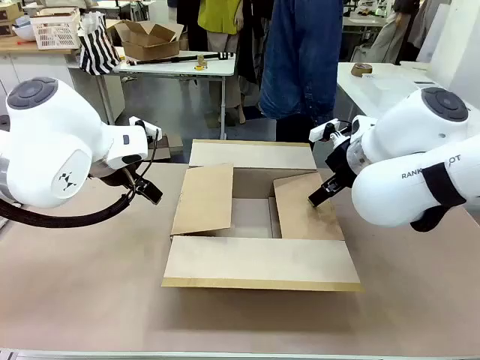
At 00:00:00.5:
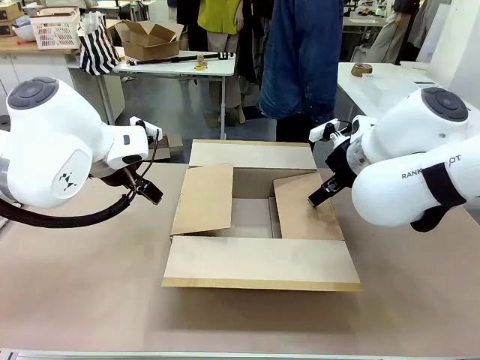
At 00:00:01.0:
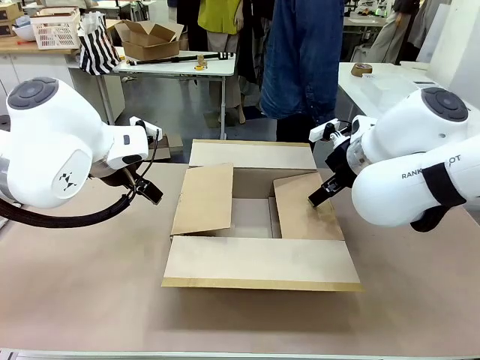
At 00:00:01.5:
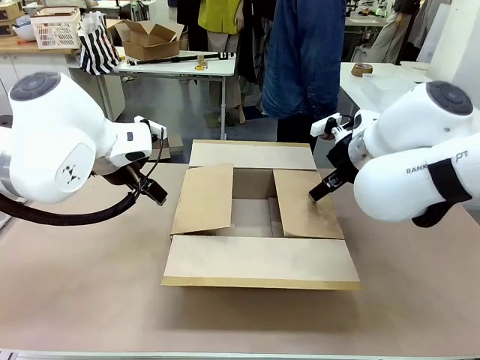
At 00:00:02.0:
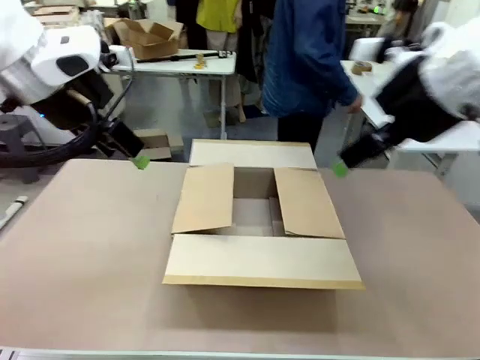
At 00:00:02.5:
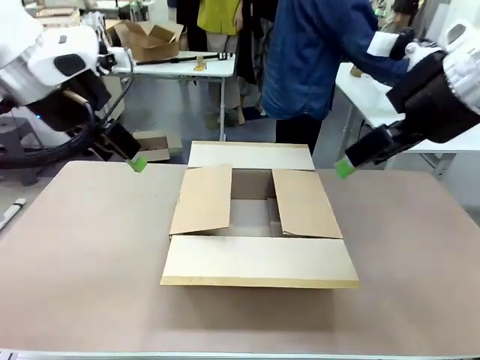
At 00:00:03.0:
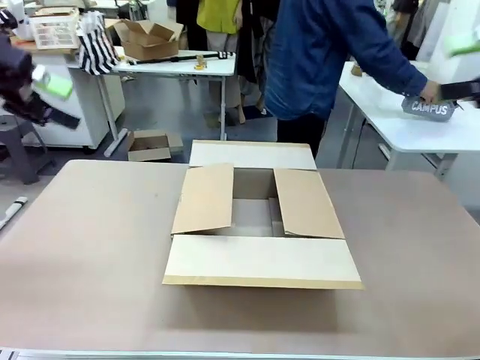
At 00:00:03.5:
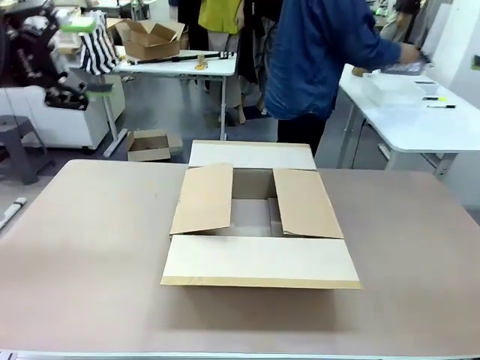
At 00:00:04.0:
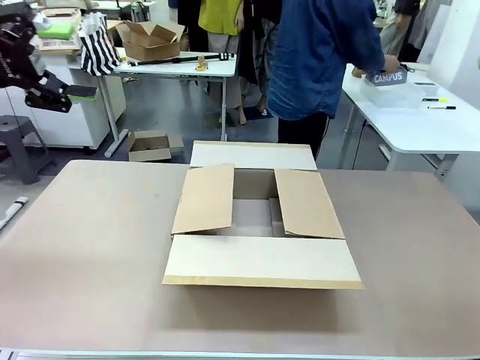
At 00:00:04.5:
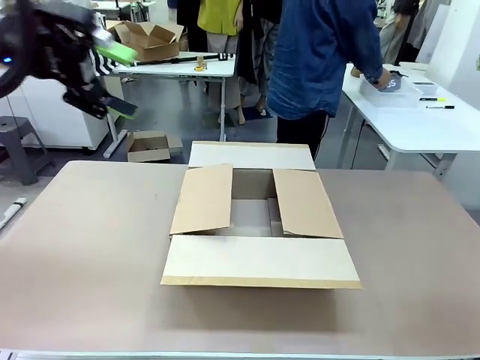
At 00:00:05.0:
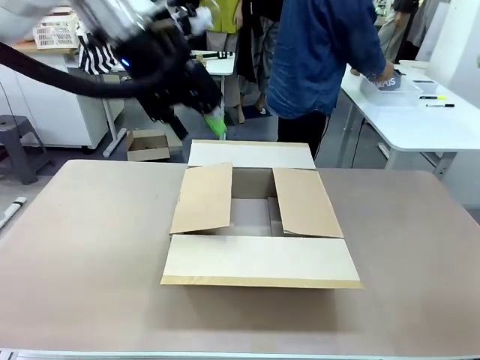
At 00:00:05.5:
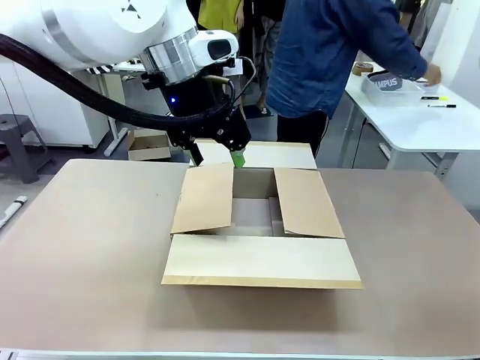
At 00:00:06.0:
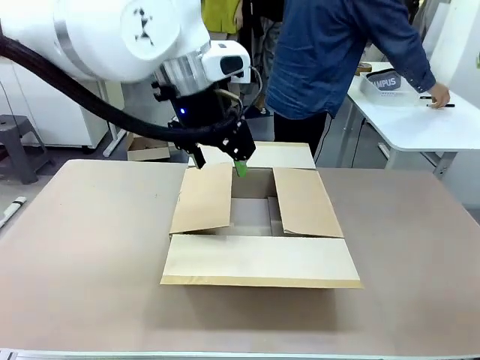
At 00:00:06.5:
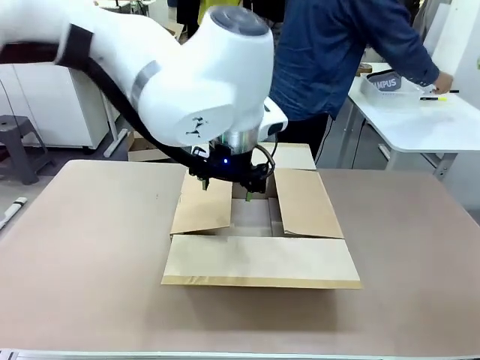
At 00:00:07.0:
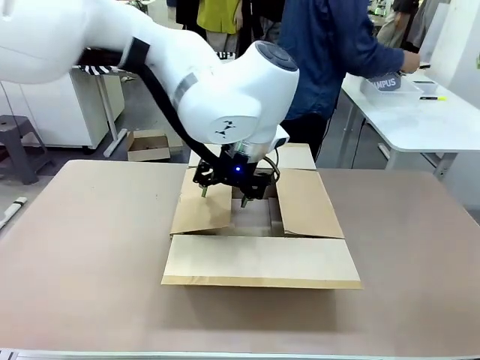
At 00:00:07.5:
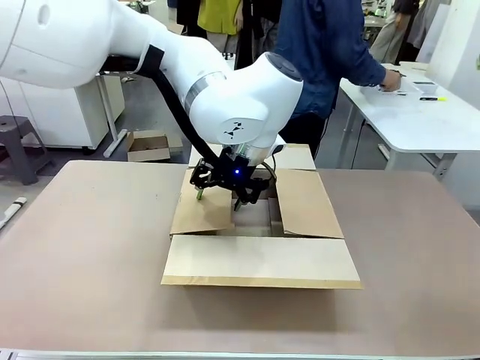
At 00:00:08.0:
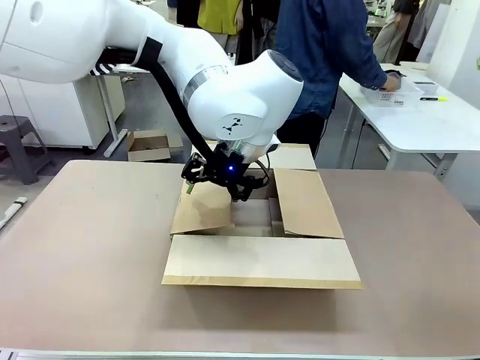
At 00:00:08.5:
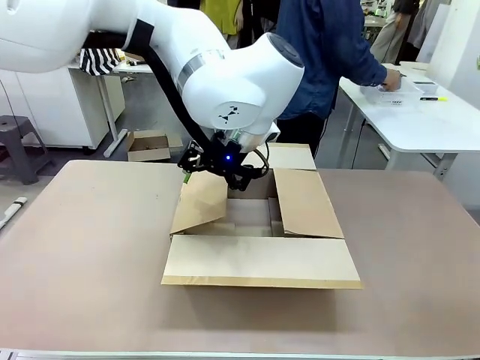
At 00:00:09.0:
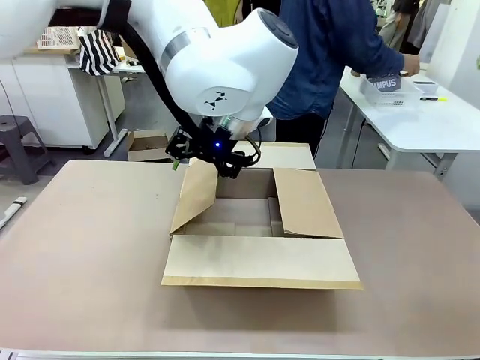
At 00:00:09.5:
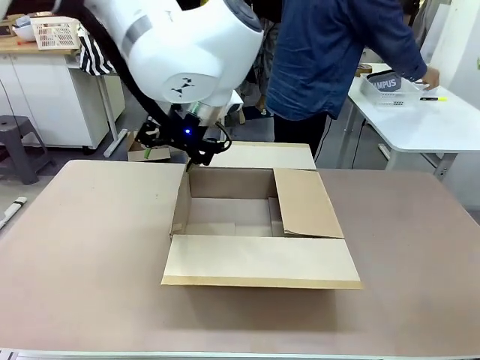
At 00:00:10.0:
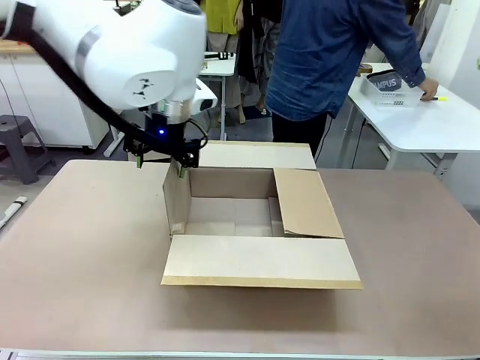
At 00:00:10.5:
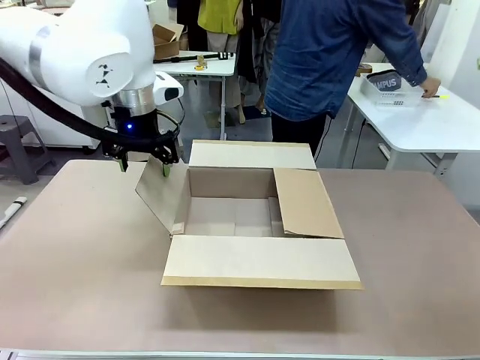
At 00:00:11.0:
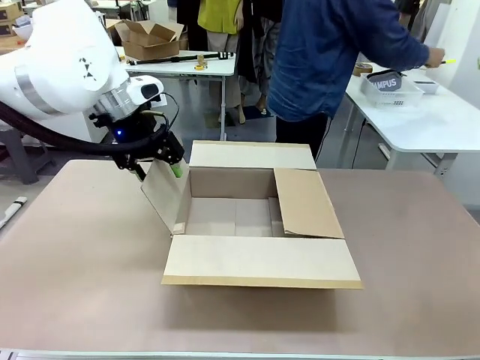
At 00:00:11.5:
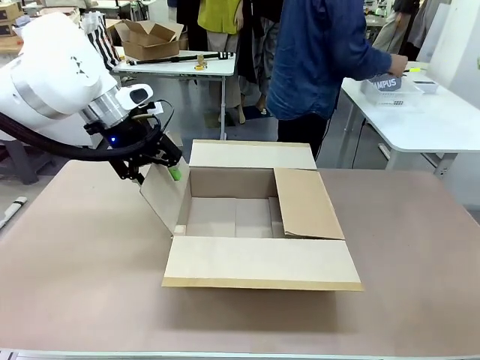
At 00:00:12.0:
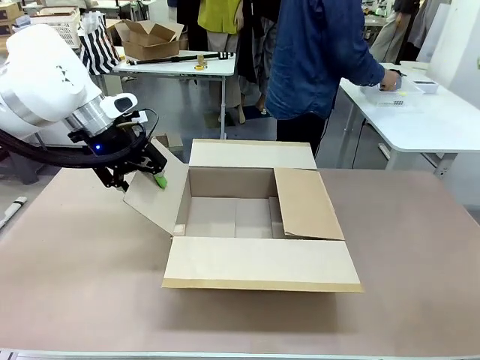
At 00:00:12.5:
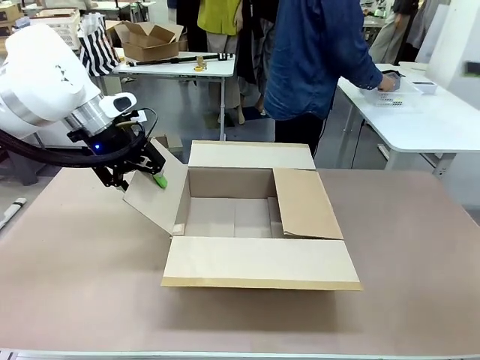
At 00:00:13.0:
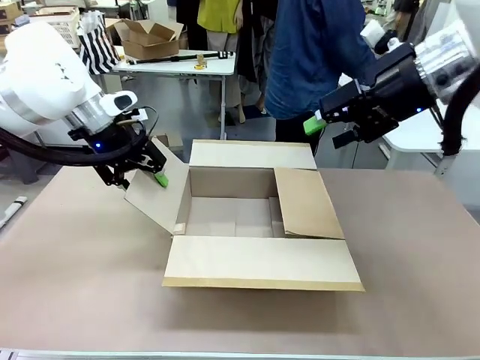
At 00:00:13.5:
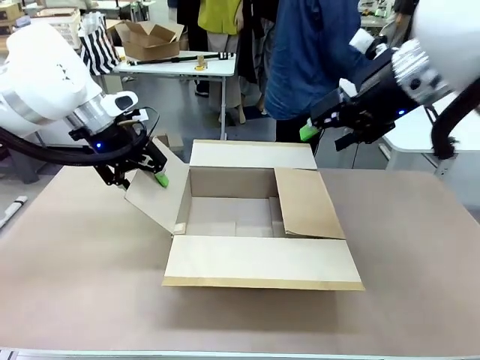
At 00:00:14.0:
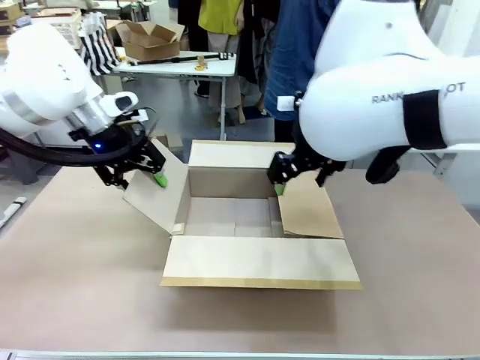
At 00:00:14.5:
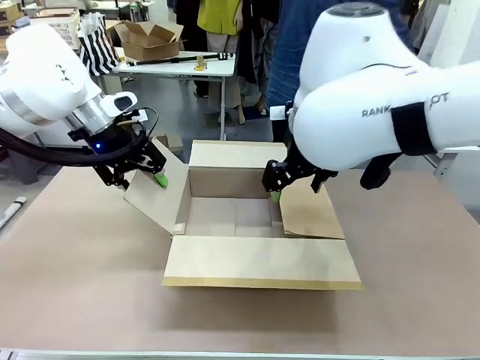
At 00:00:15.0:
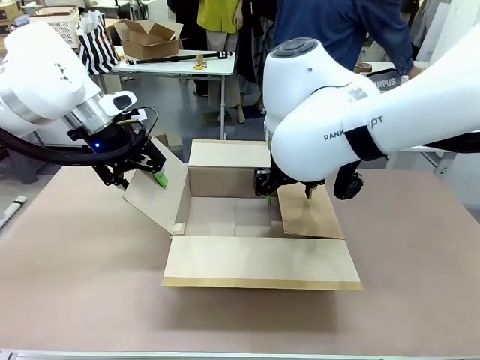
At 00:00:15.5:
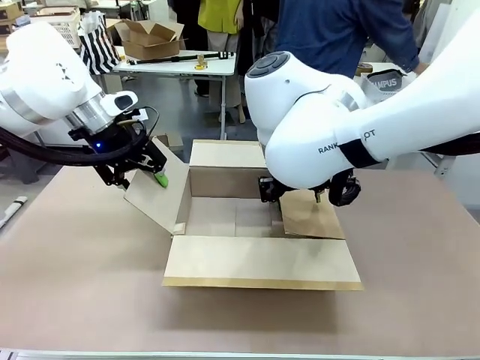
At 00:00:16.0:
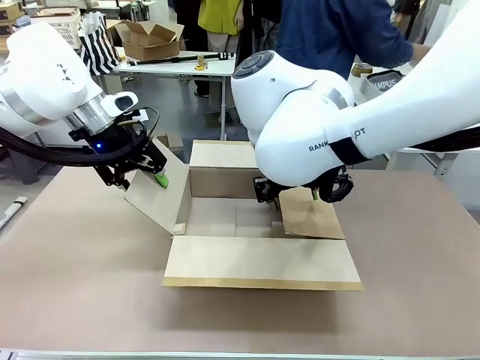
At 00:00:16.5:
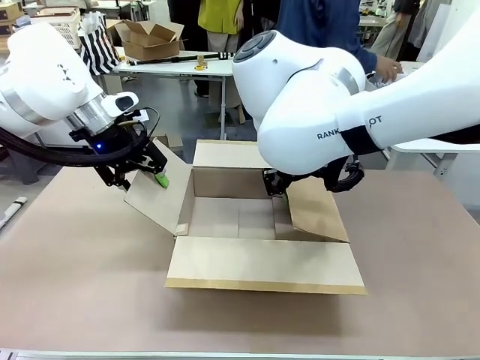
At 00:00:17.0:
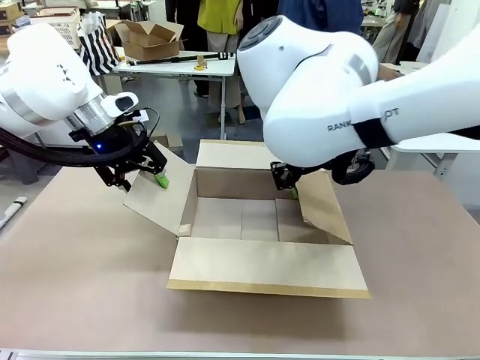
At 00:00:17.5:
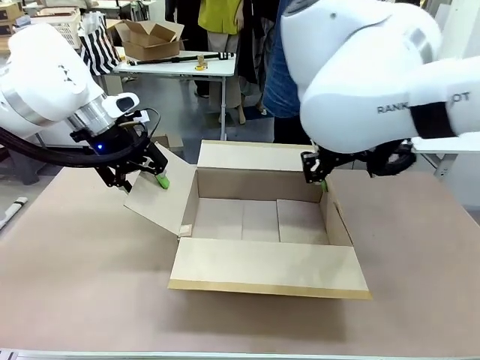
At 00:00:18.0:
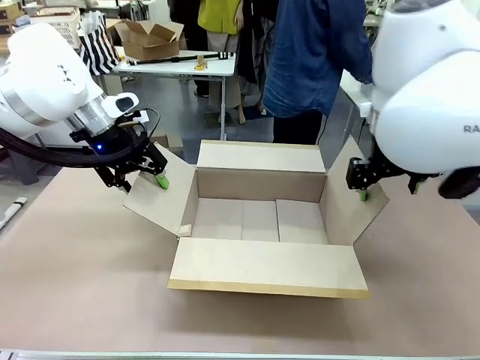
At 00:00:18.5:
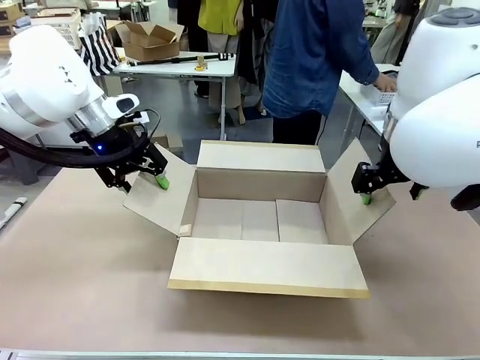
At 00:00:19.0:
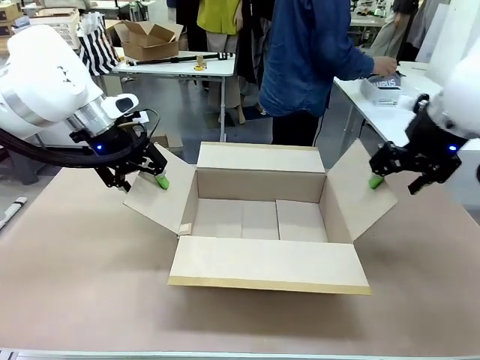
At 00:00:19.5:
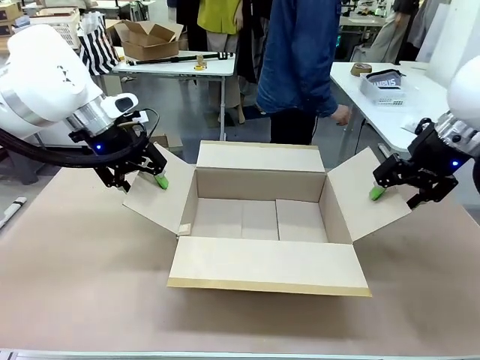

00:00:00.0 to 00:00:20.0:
Task: Pack the gift set into the box.
Robot: Place both hands on the side flaps of the Package Box and spread them outward.
Person: The human places all items except the paper tape into the organizing basket.
